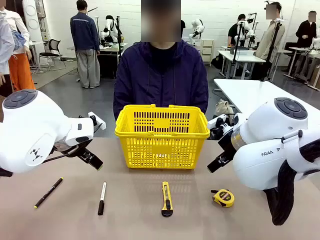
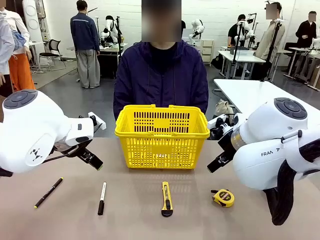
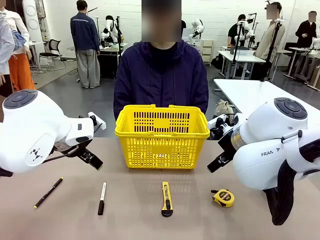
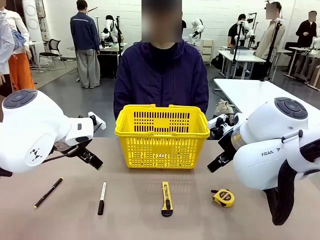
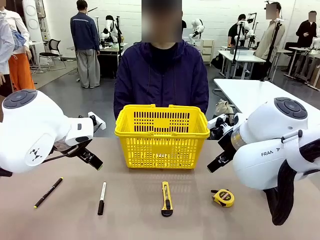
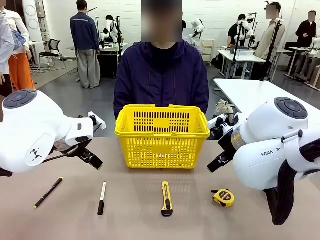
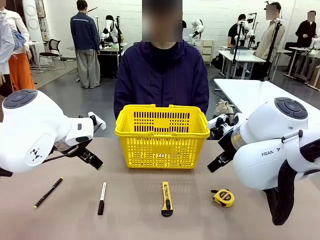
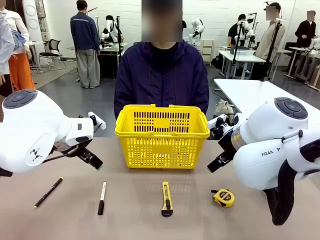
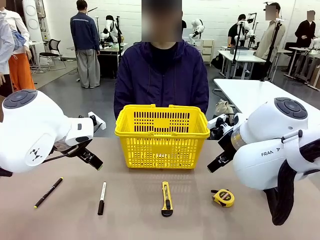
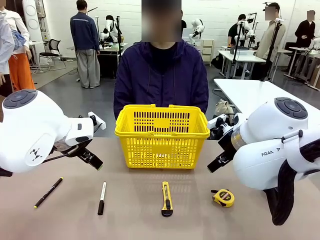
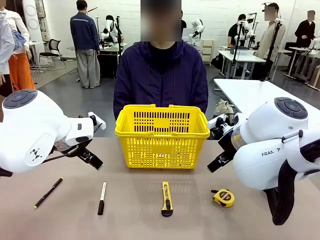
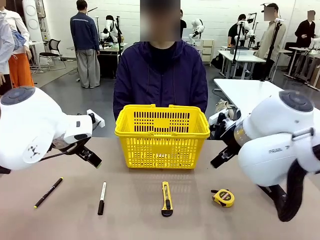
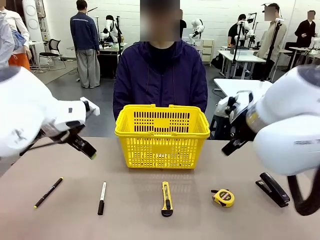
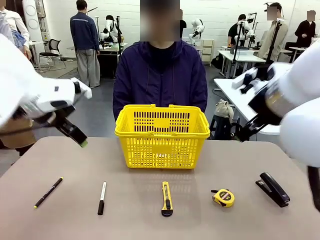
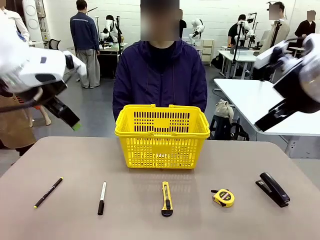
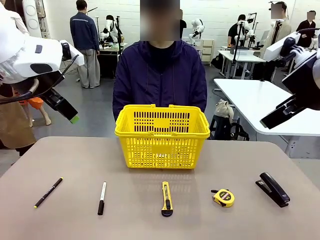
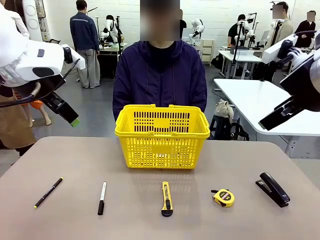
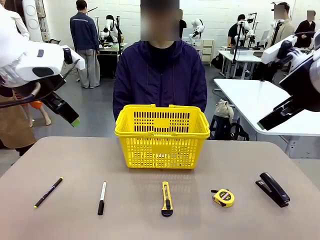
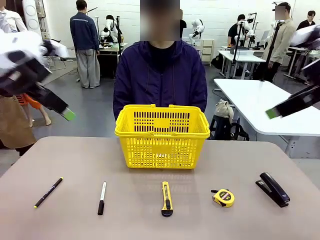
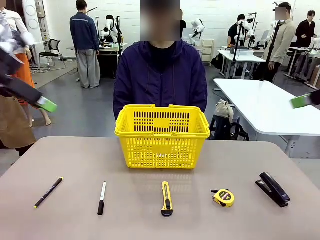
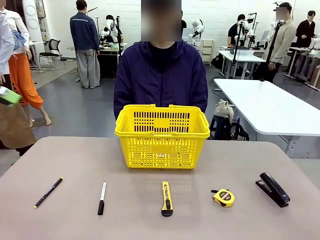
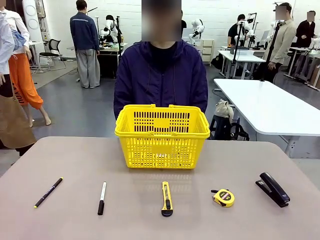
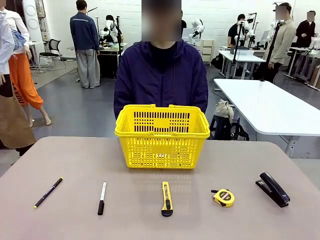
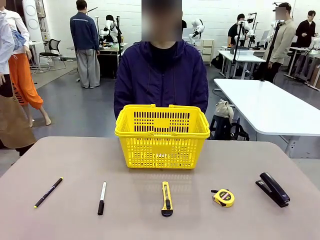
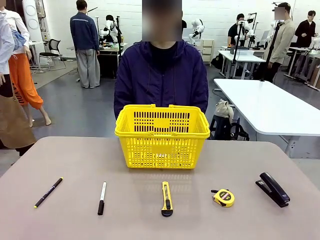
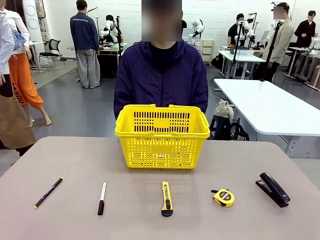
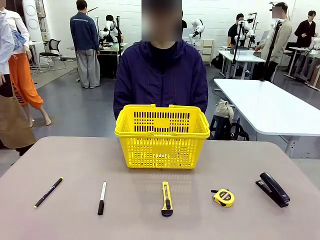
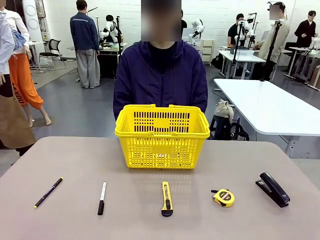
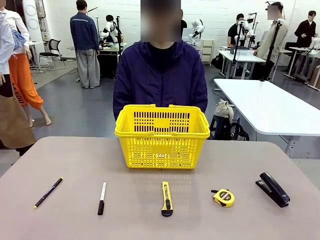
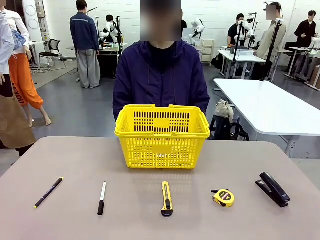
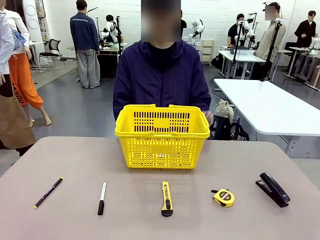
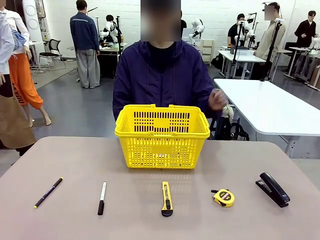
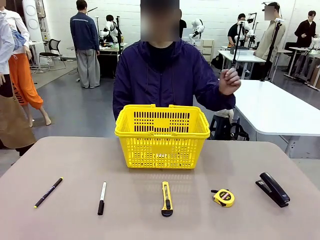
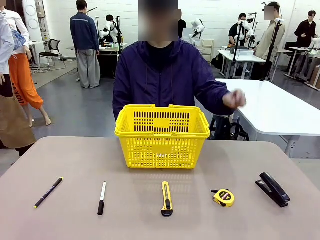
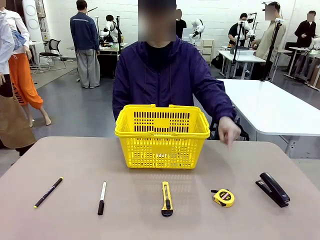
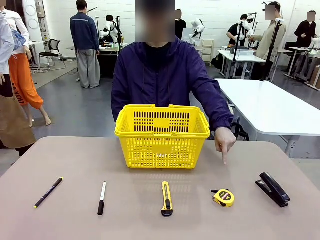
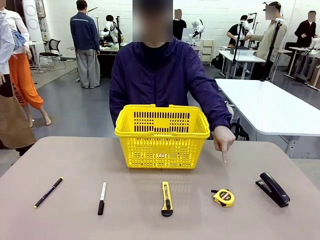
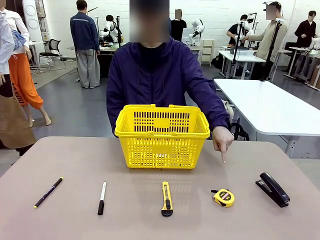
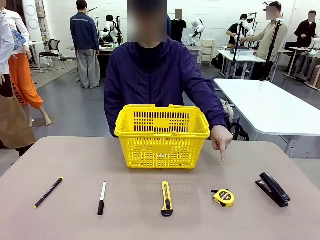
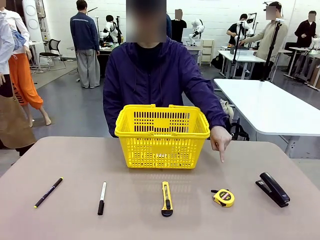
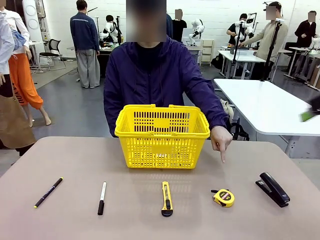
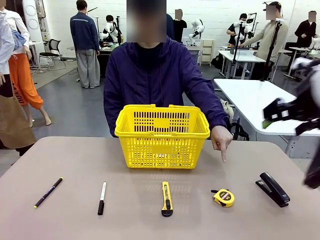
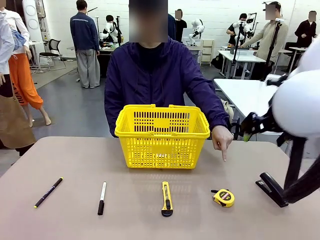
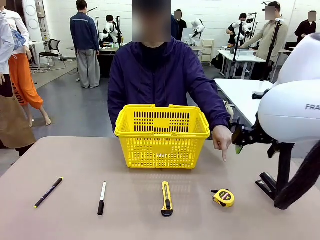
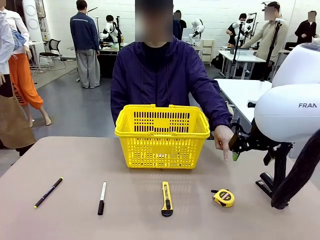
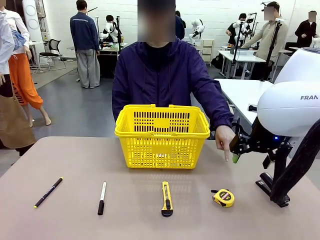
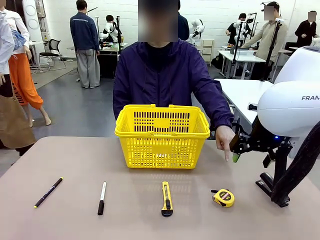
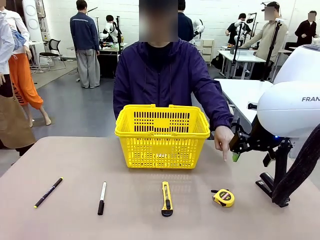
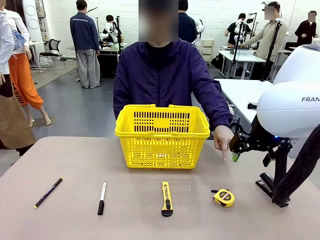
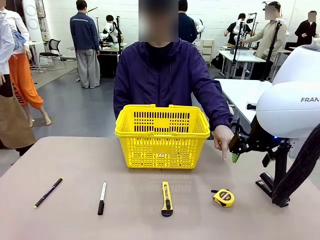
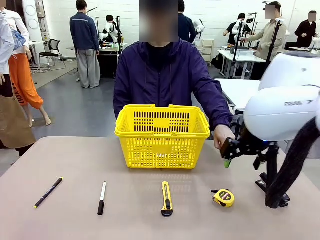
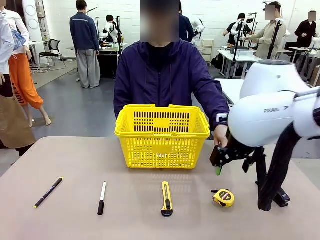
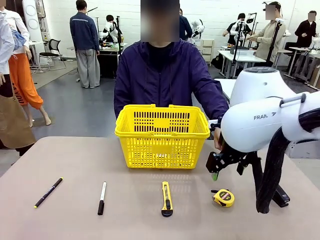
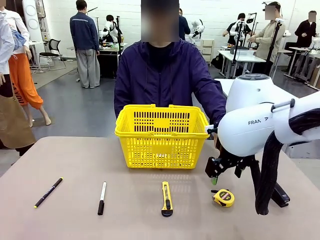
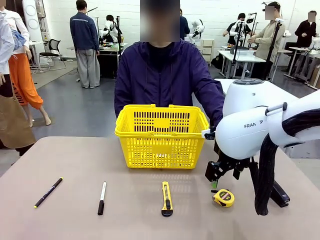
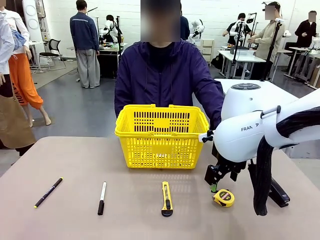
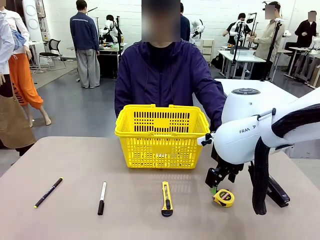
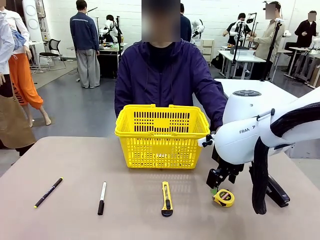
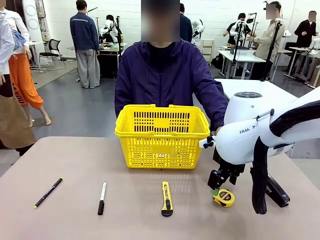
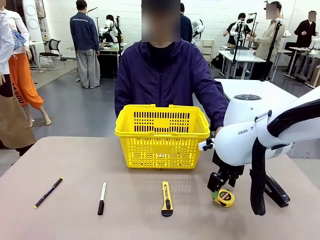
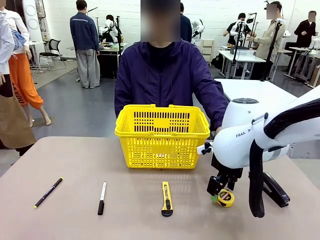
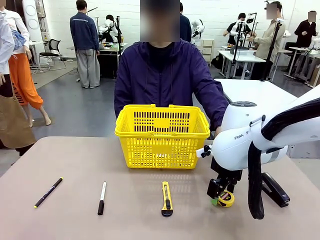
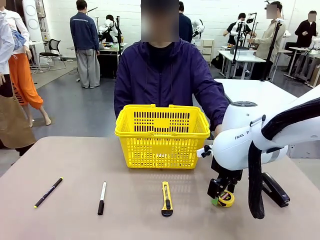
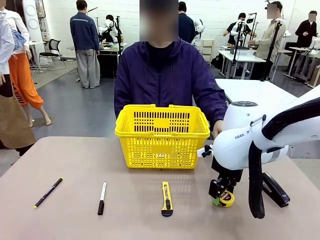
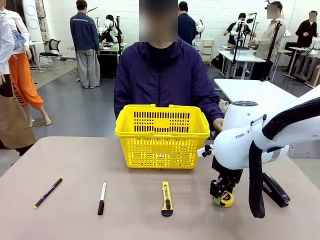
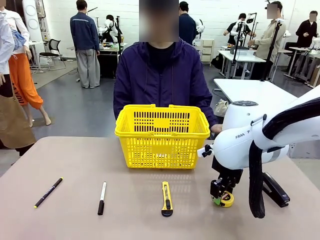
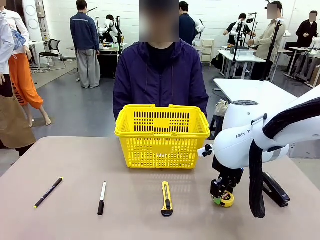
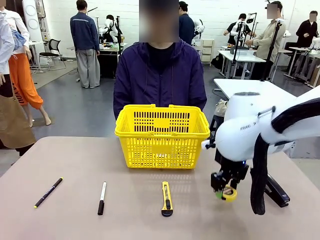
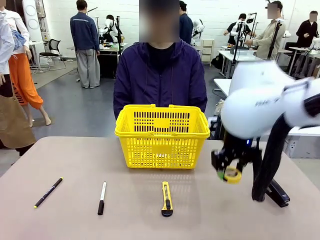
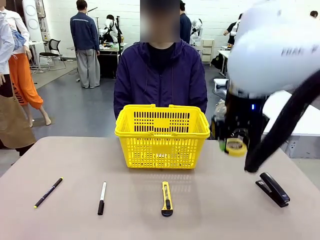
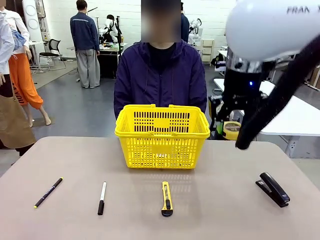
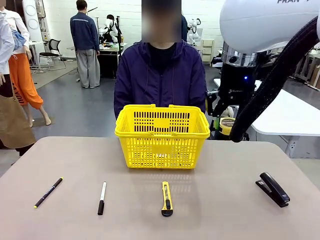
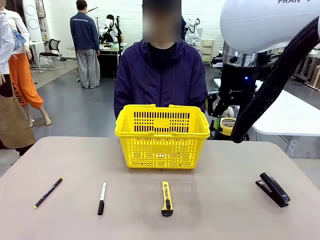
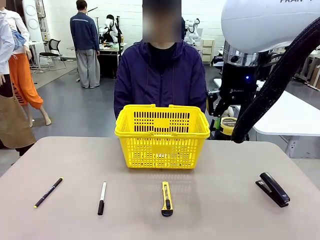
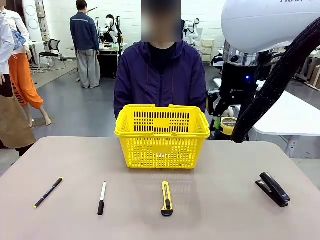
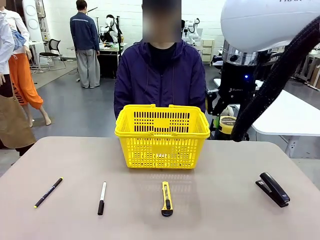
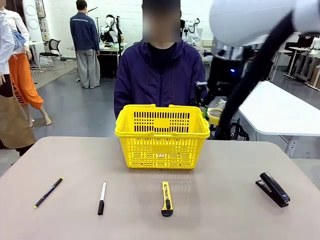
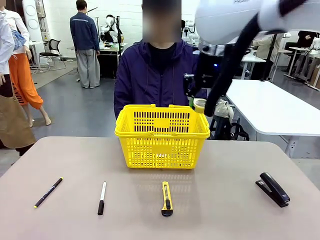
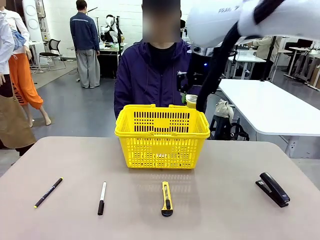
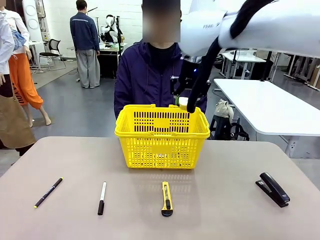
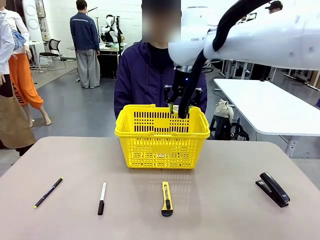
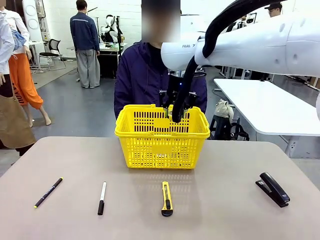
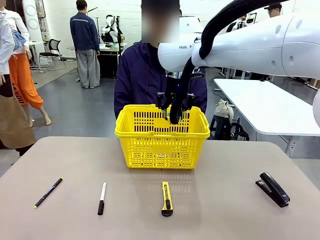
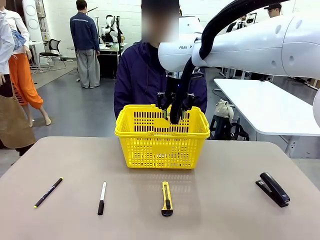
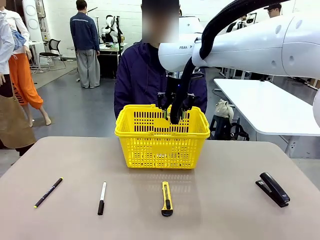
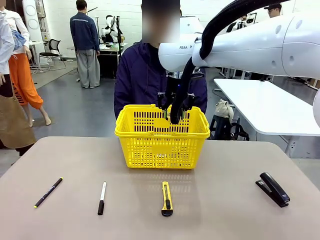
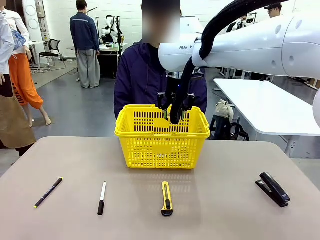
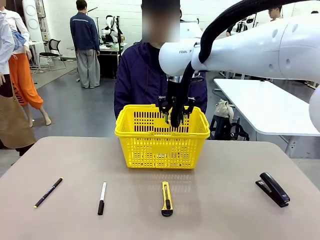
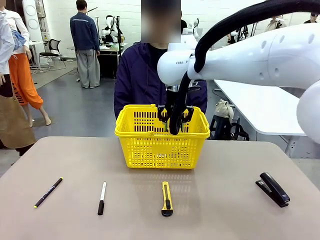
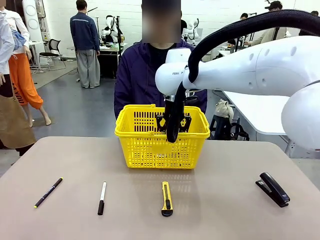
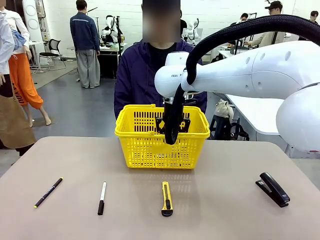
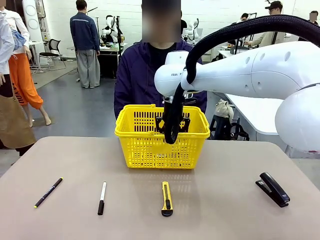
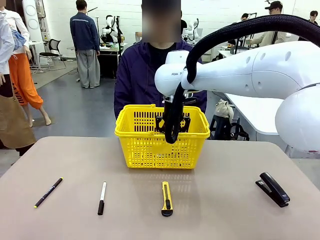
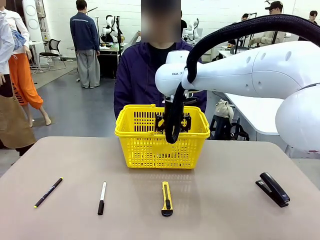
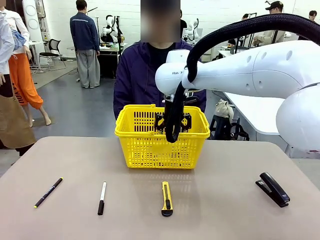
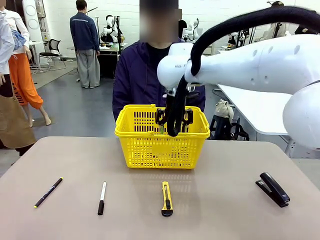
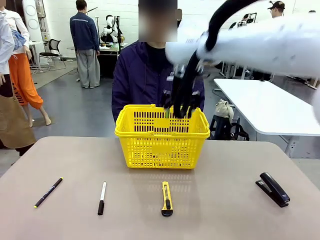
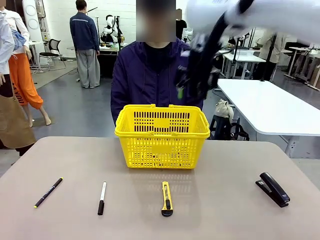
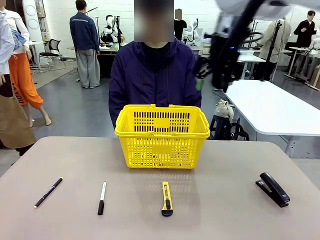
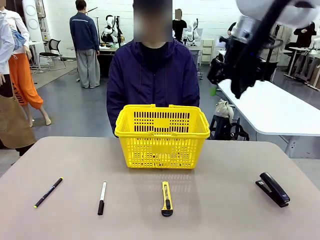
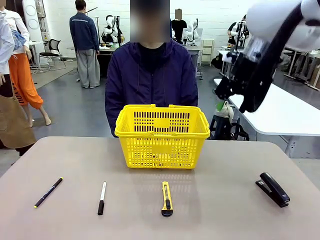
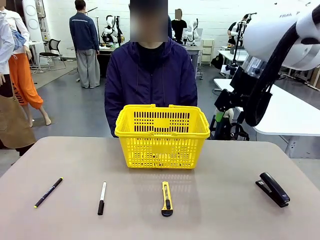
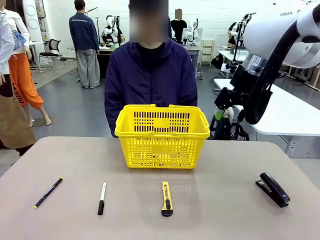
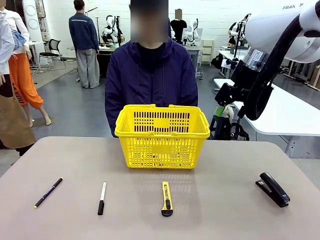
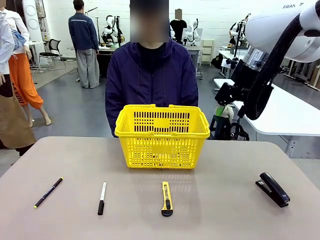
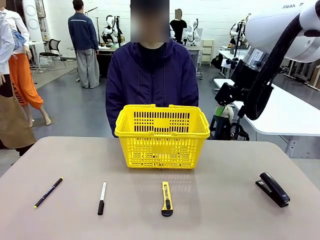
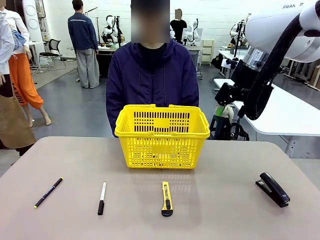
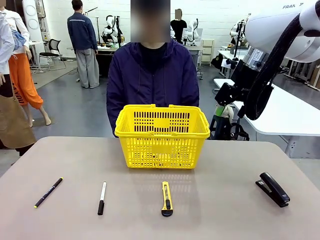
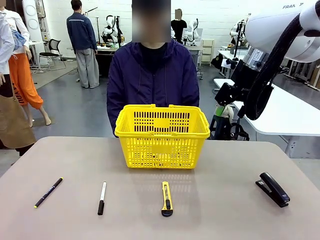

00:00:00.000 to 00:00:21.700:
Task: Place the items the person wants into the basket.
Robot: Pick up the item the person points to and place it in the Market Basket.
